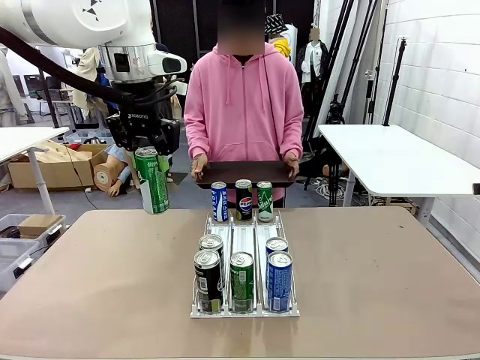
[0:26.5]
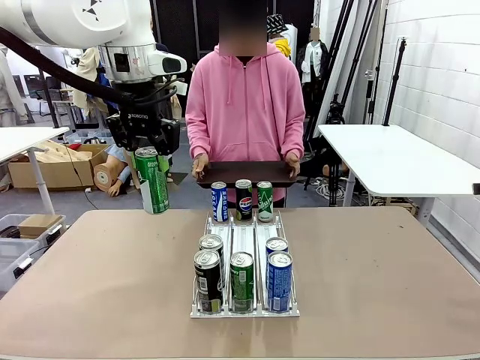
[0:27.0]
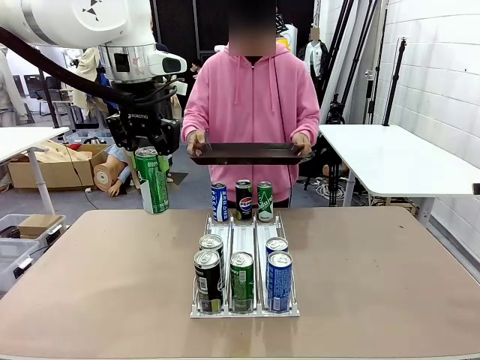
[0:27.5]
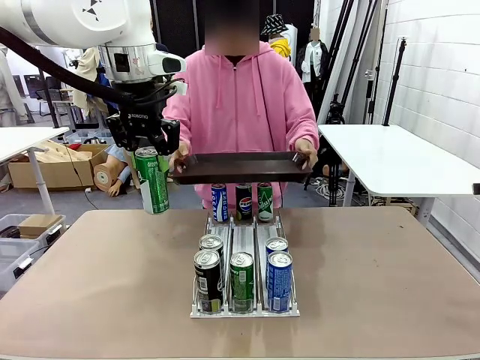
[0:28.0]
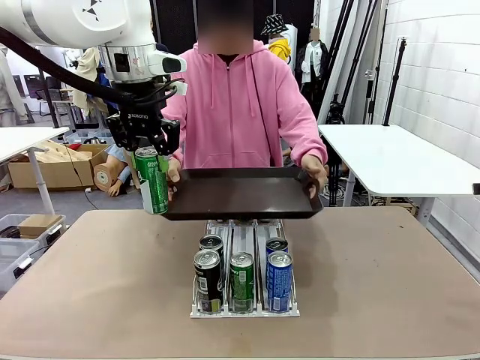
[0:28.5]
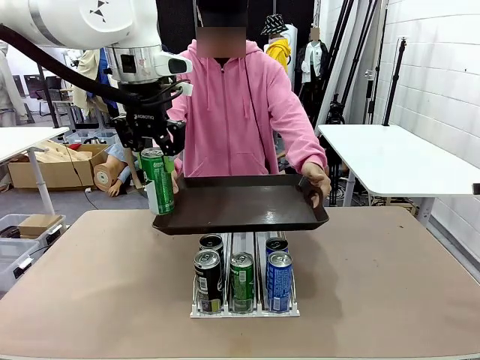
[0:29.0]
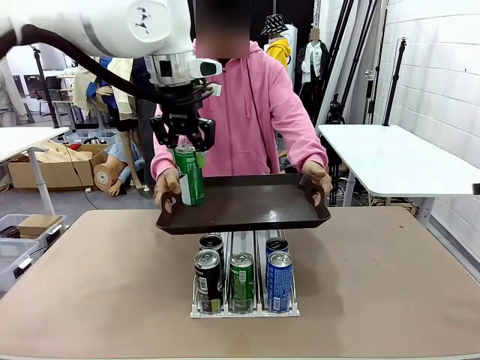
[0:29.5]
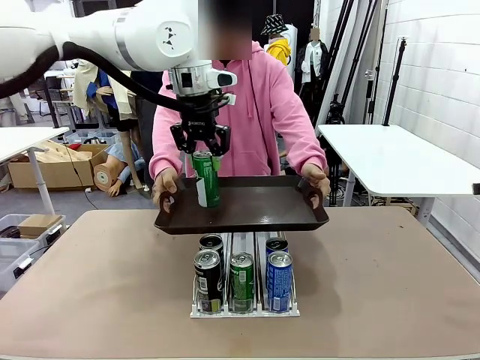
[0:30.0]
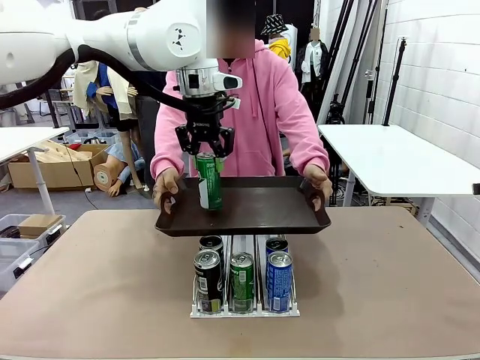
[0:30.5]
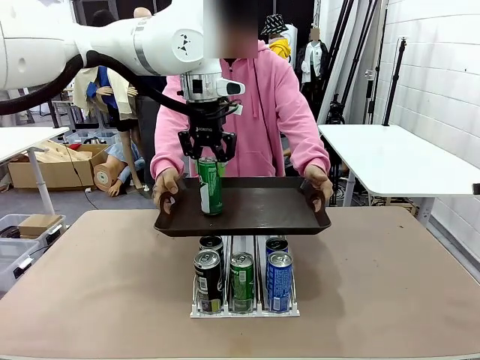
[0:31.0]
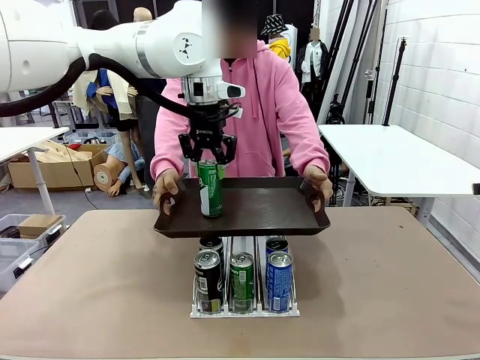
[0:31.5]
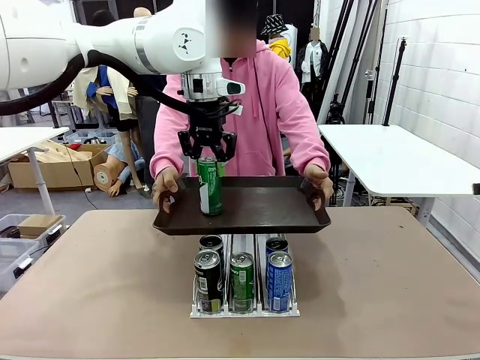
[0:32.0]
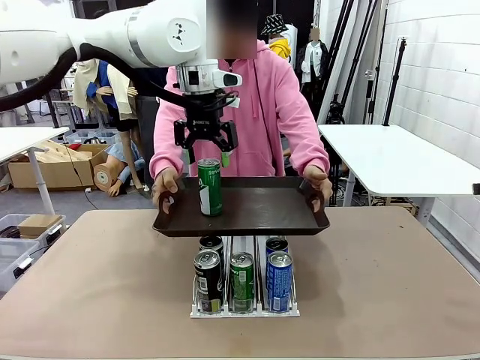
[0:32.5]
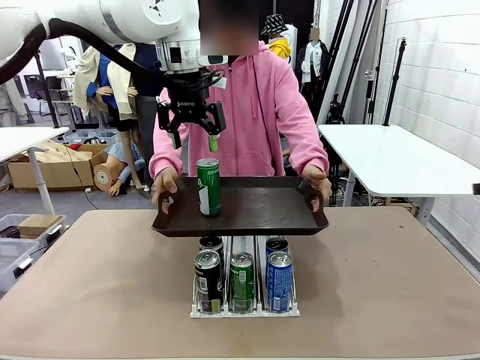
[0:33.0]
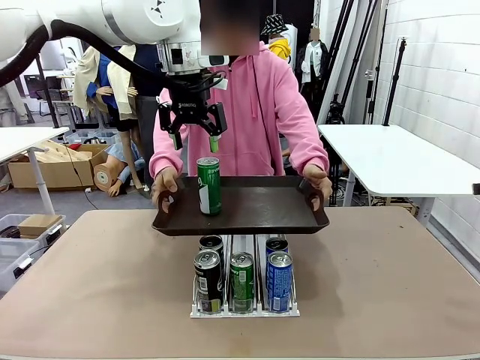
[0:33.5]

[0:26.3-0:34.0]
Task: Retrieve and hand over the desired beverage to the person.
Robot: Place the picked can on the Handle tray extended by the person.

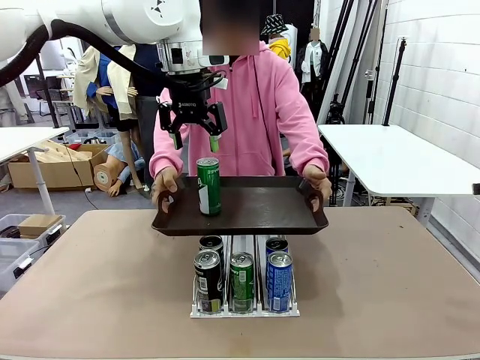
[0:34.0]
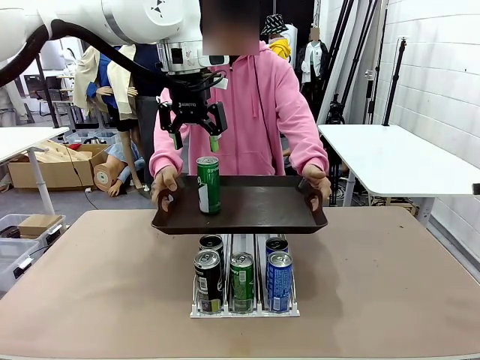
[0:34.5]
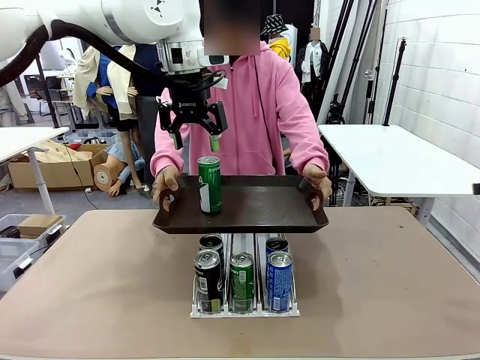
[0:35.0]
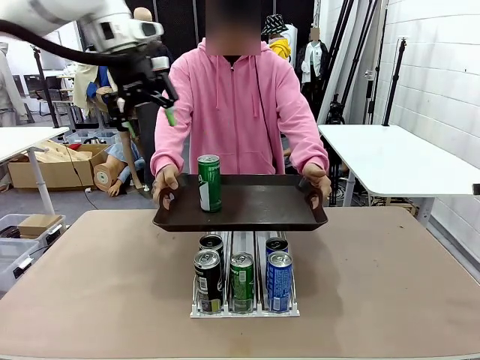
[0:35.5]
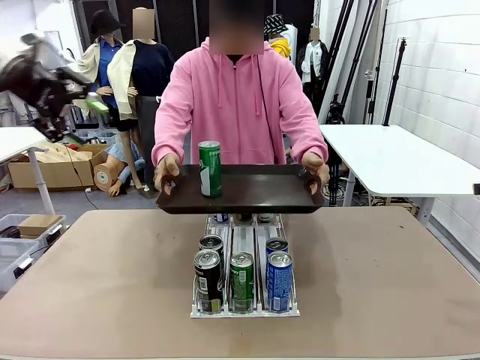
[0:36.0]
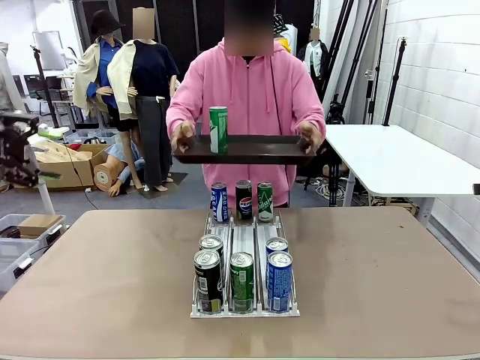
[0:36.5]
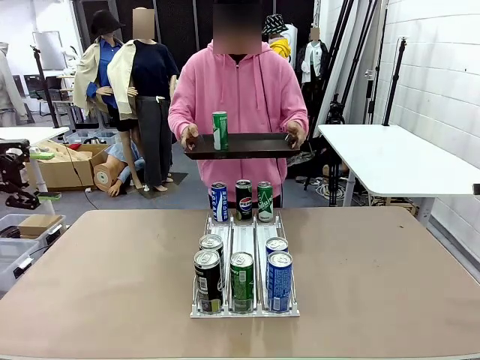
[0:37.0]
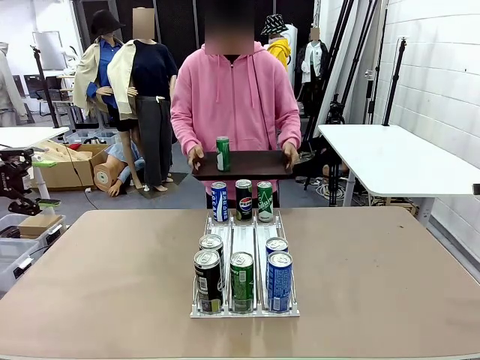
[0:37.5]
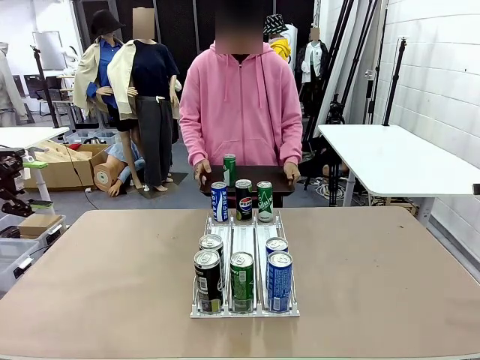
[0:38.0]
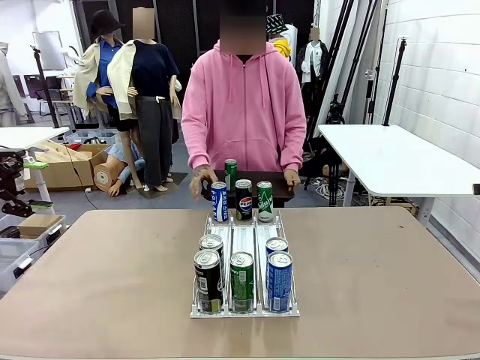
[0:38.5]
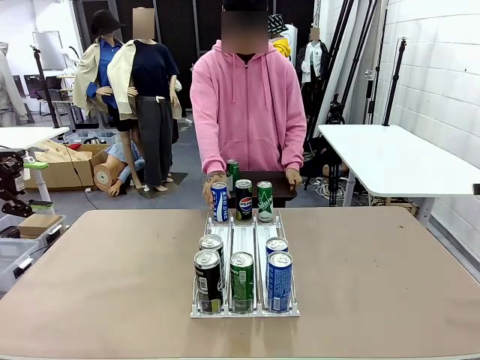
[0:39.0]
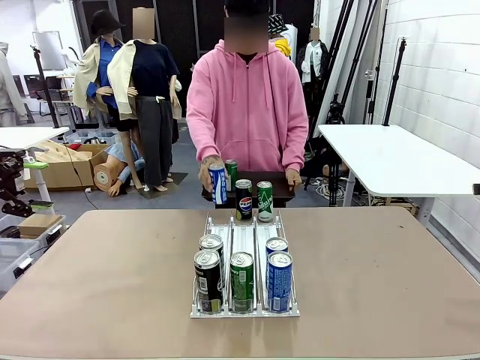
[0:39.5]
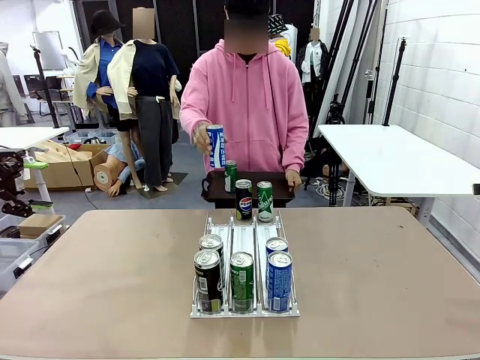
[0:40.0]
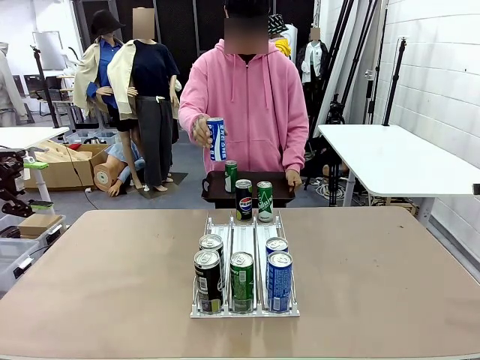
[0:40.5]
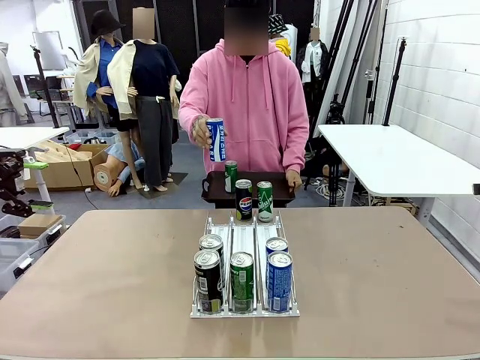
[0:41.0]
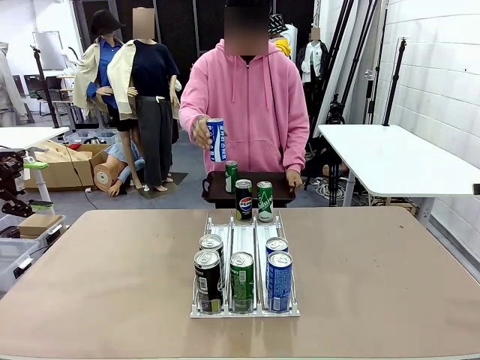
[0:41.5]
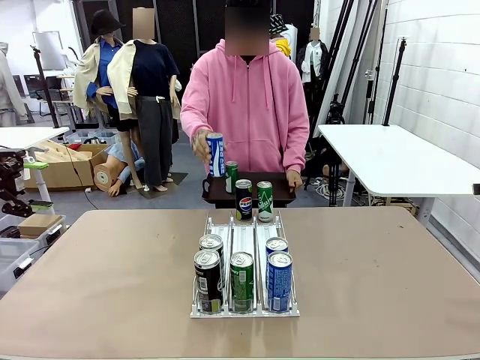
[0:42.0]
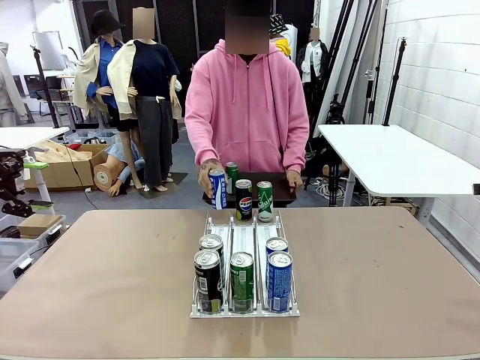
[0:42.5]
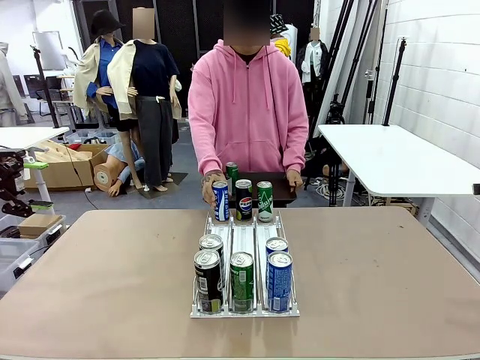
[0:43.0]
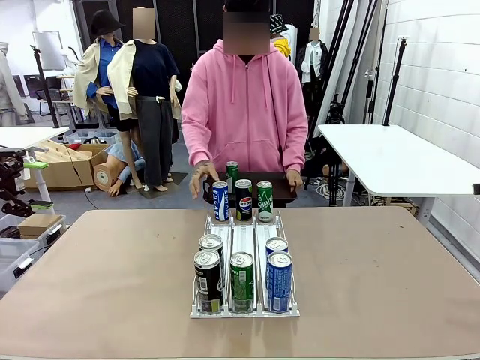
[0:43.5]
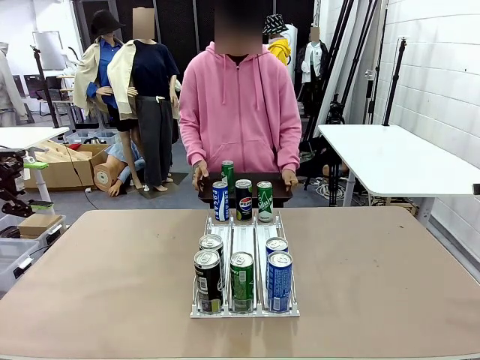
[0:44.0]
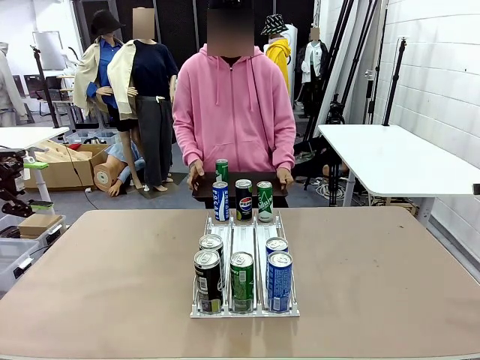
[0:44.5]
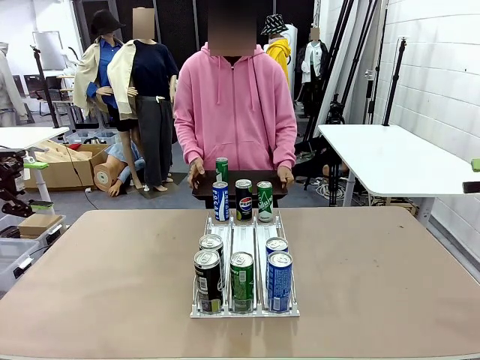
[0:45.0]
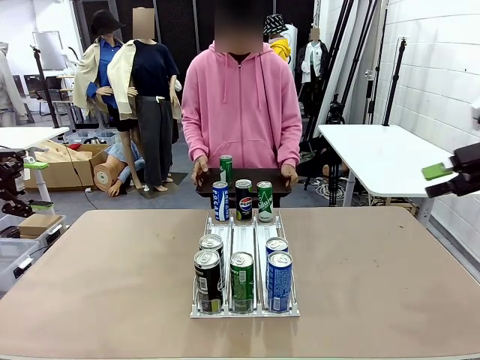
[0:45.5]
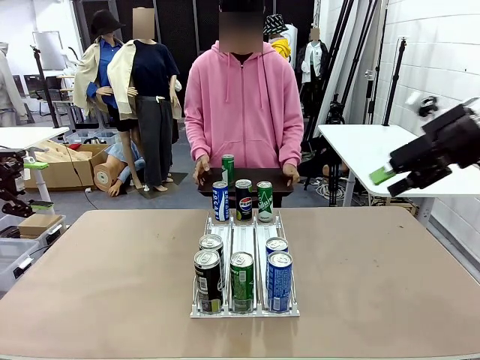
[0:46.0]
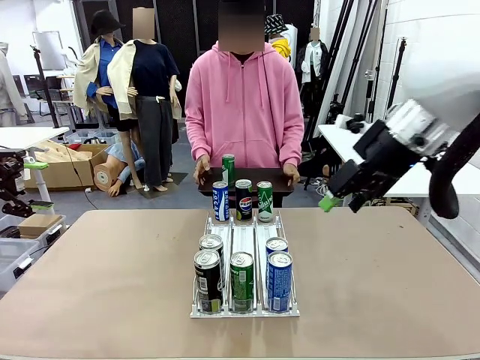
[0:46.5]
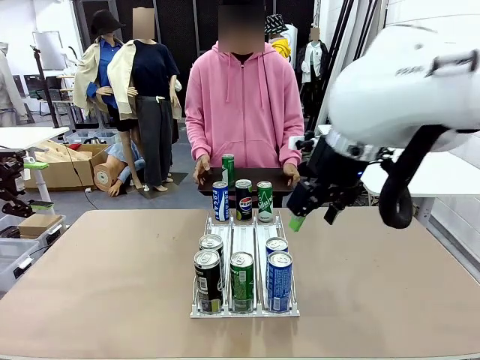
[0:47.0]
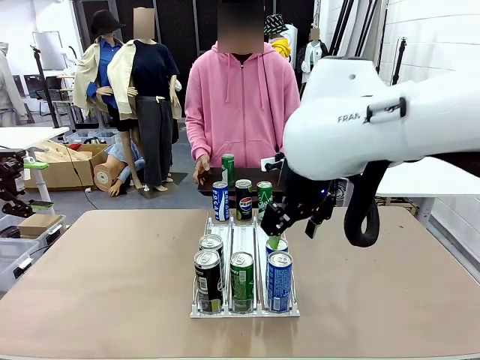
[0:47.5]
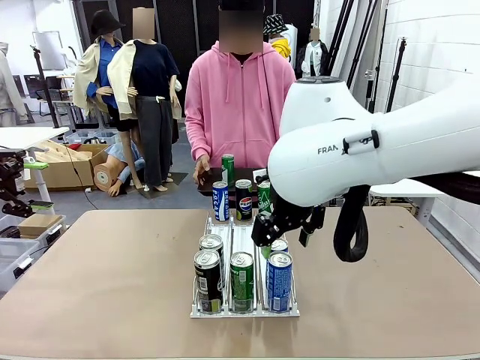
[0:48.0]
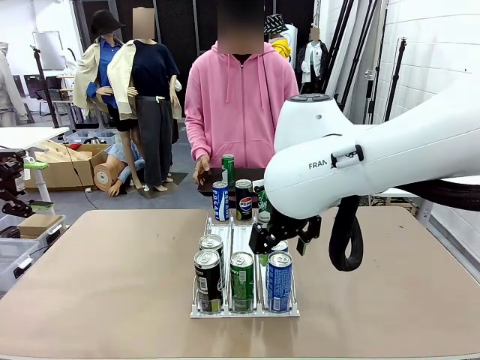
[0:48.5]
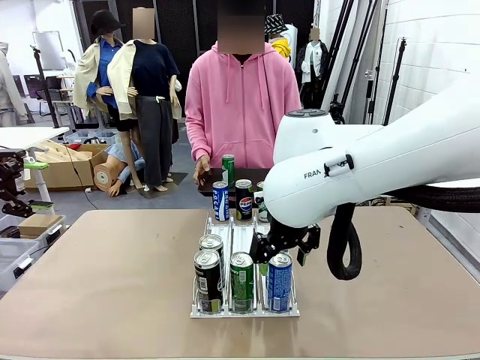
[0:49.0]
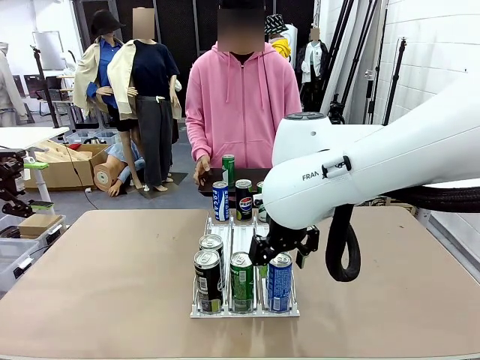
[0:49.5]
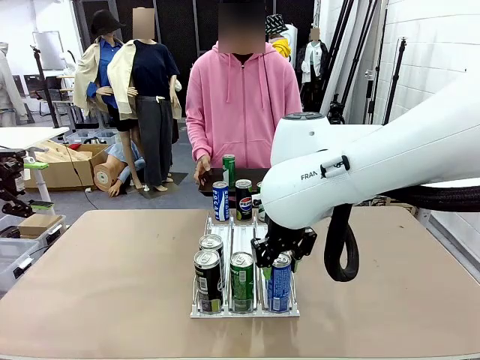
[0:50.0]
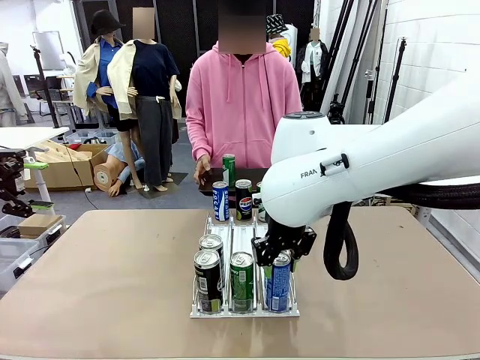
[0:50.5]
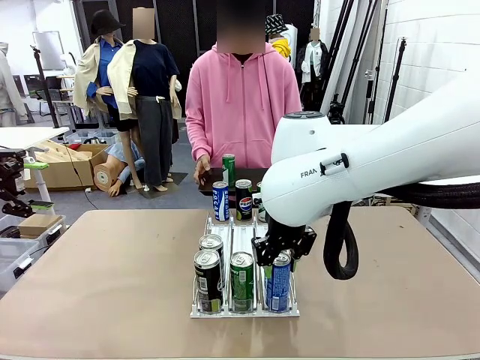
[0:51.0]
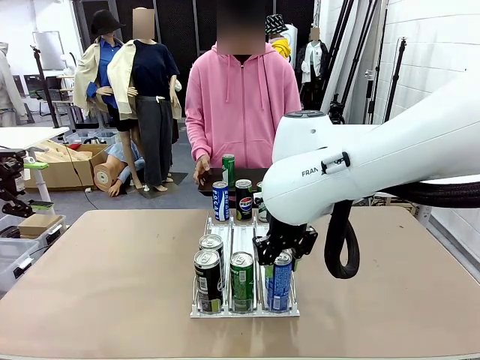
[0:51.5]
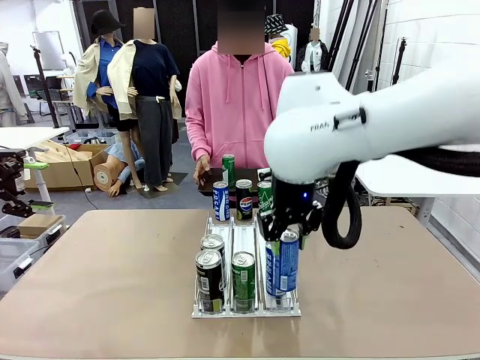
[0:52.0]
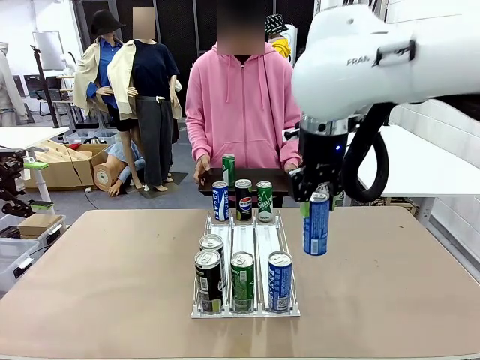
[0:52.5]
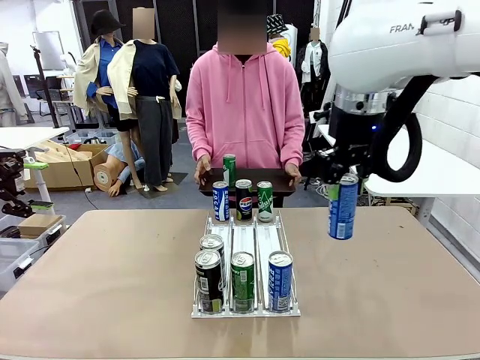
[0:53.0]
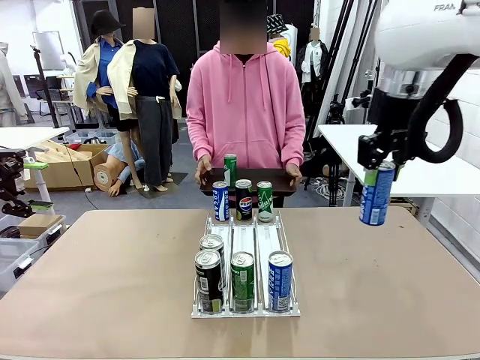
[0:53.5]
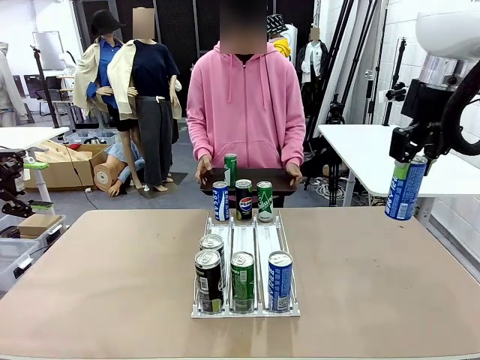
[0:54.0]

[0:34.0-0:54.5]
Robot: Pick up another can of the same type that the person held from the Automatic Can Dispenser.
Person: Pull the tray back, then pick up another can from the bottom area of the table and puts it back in its original place. Push the tray toward the robot again.
